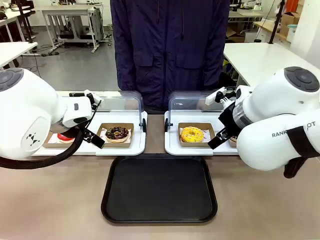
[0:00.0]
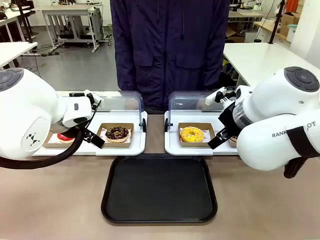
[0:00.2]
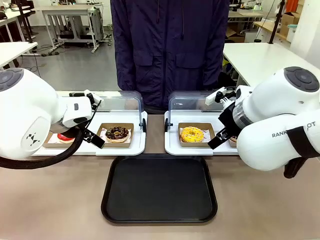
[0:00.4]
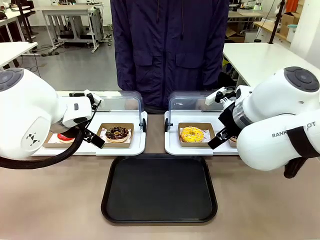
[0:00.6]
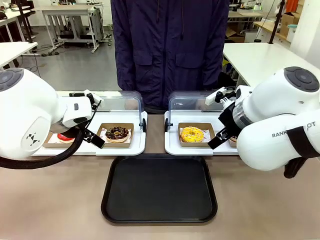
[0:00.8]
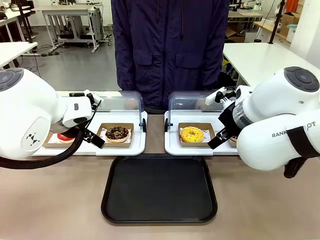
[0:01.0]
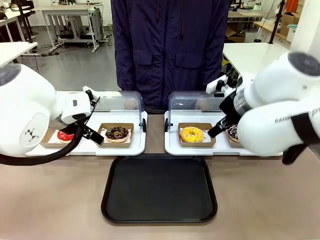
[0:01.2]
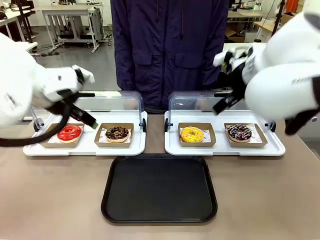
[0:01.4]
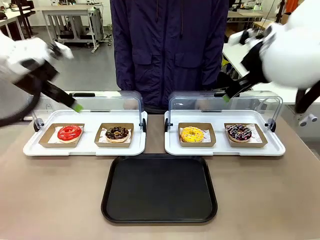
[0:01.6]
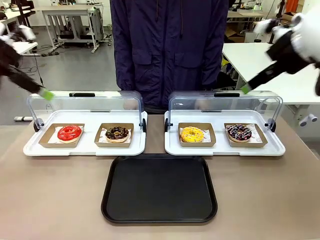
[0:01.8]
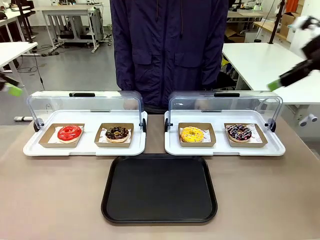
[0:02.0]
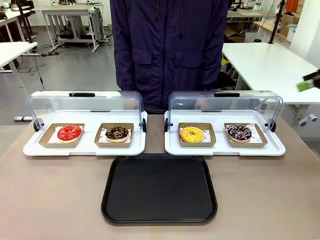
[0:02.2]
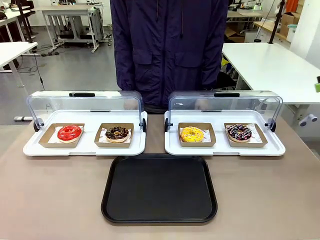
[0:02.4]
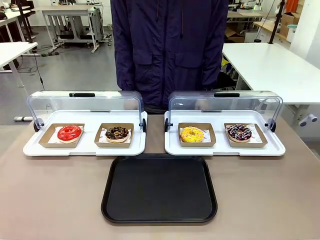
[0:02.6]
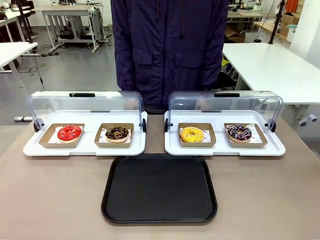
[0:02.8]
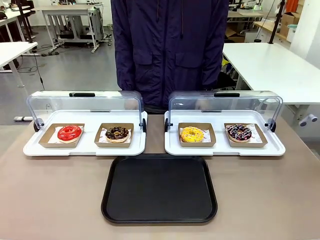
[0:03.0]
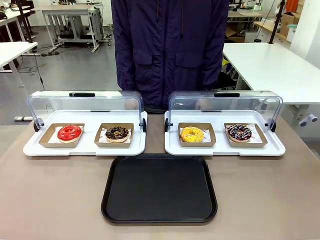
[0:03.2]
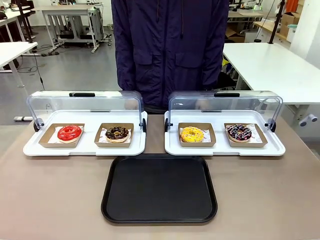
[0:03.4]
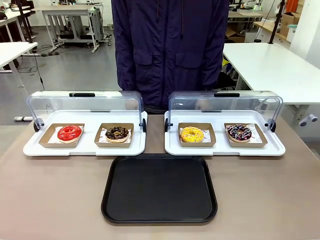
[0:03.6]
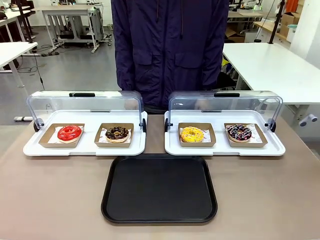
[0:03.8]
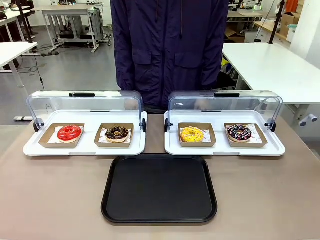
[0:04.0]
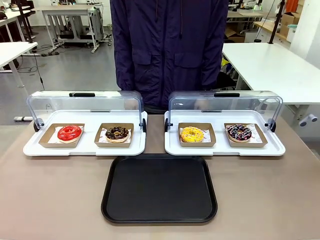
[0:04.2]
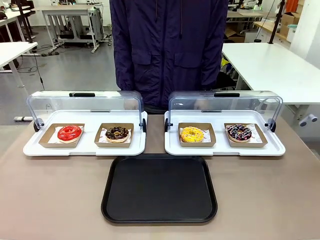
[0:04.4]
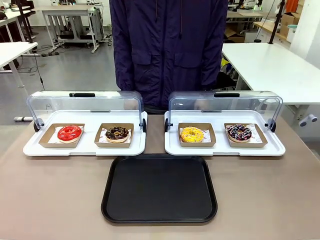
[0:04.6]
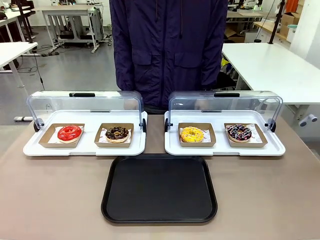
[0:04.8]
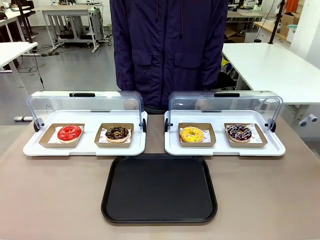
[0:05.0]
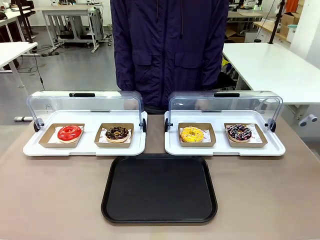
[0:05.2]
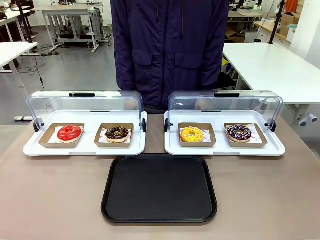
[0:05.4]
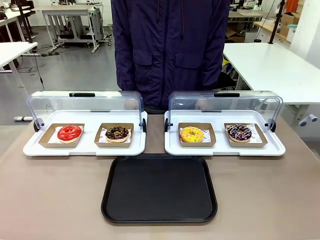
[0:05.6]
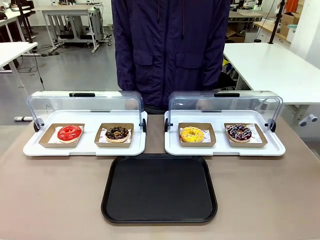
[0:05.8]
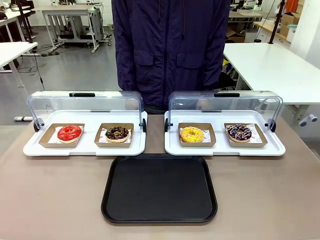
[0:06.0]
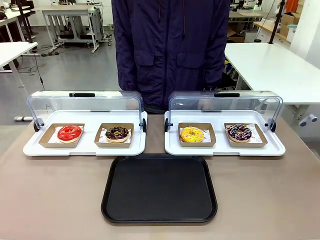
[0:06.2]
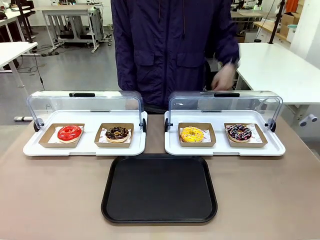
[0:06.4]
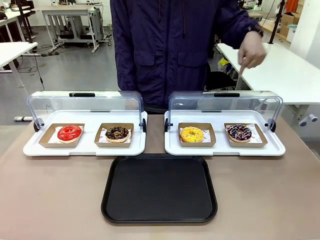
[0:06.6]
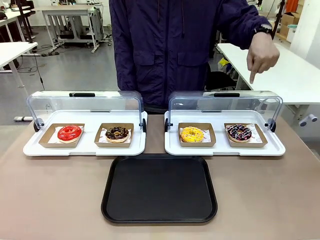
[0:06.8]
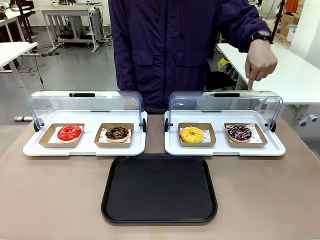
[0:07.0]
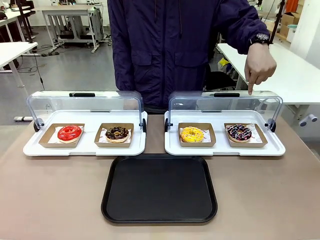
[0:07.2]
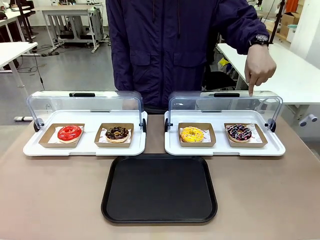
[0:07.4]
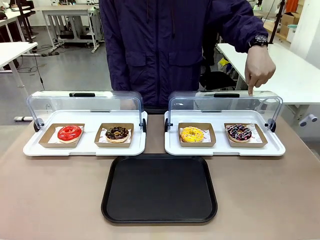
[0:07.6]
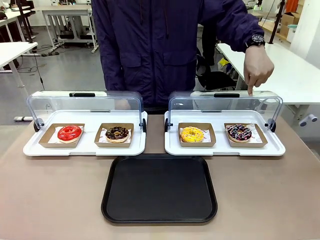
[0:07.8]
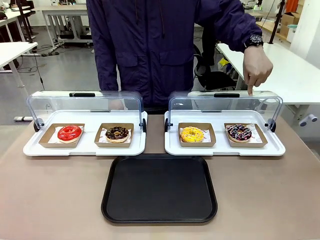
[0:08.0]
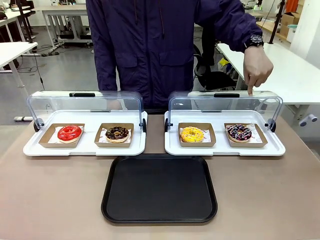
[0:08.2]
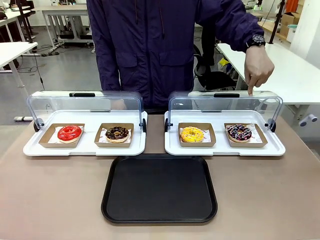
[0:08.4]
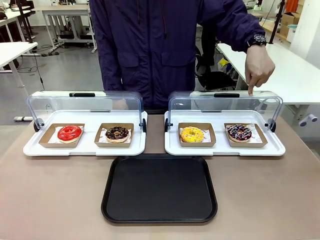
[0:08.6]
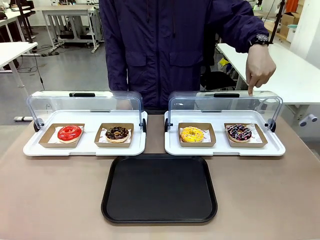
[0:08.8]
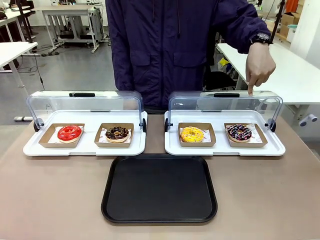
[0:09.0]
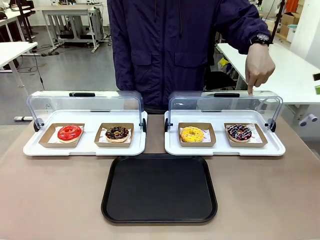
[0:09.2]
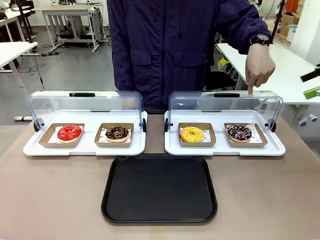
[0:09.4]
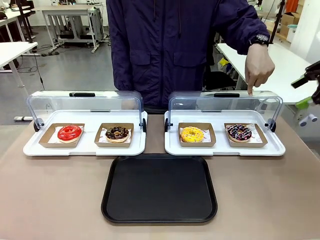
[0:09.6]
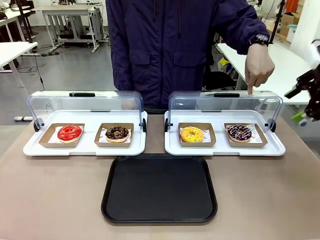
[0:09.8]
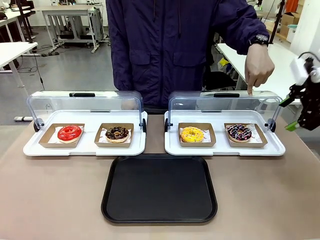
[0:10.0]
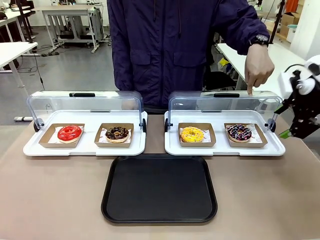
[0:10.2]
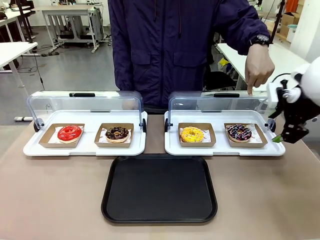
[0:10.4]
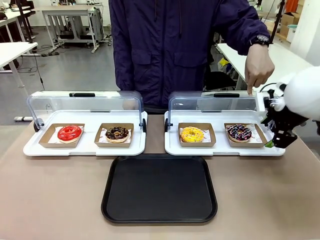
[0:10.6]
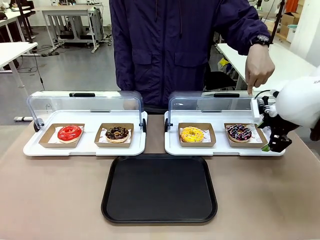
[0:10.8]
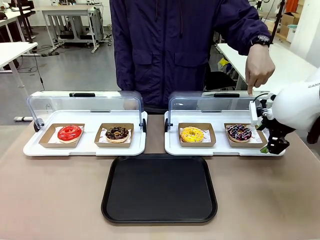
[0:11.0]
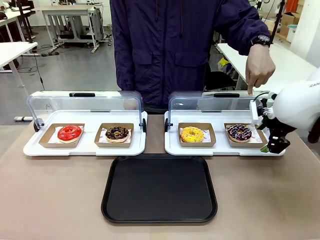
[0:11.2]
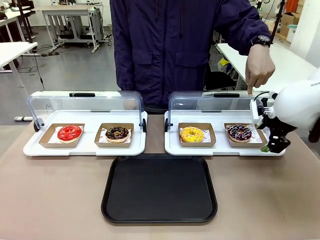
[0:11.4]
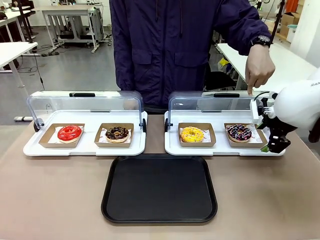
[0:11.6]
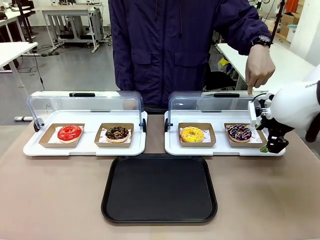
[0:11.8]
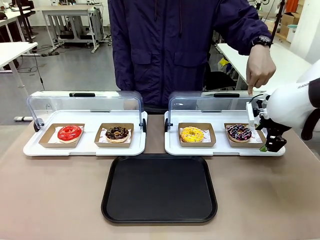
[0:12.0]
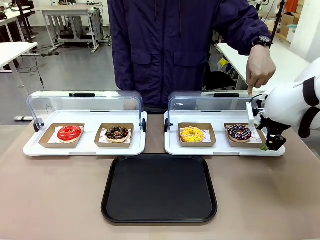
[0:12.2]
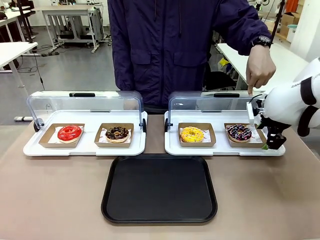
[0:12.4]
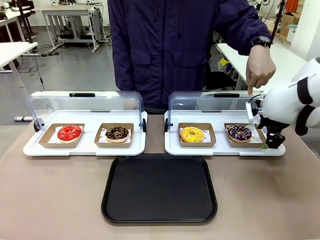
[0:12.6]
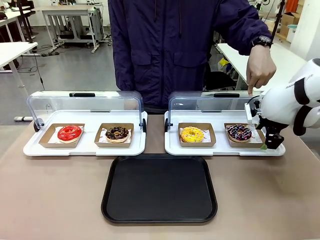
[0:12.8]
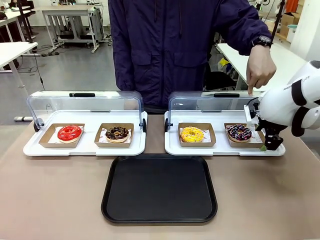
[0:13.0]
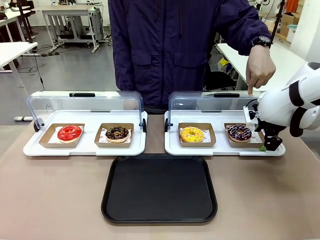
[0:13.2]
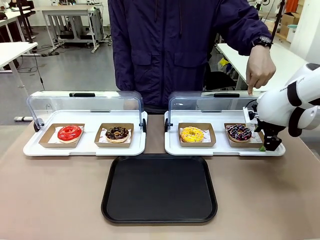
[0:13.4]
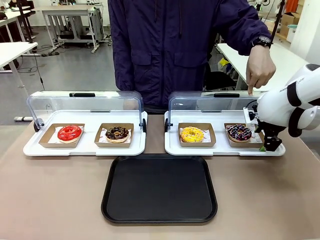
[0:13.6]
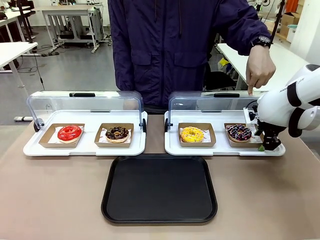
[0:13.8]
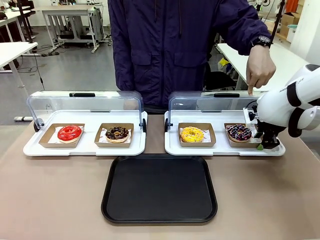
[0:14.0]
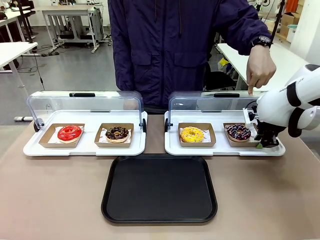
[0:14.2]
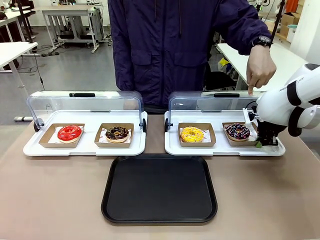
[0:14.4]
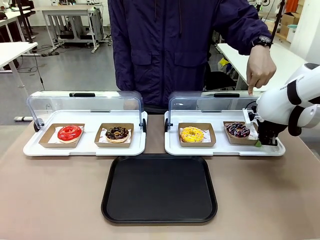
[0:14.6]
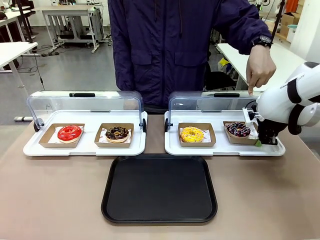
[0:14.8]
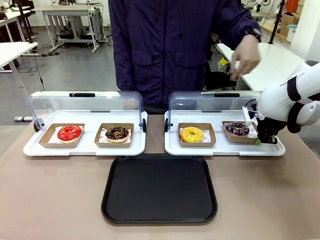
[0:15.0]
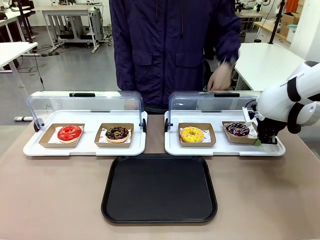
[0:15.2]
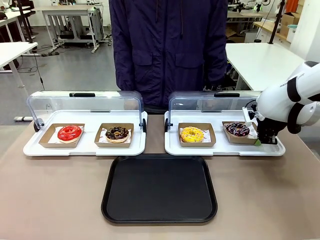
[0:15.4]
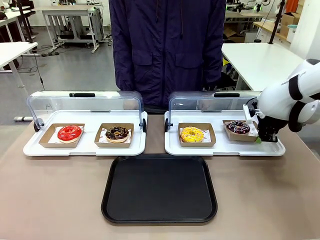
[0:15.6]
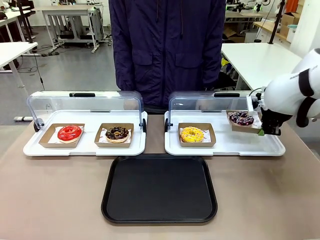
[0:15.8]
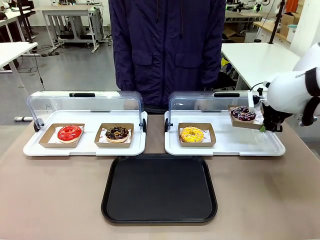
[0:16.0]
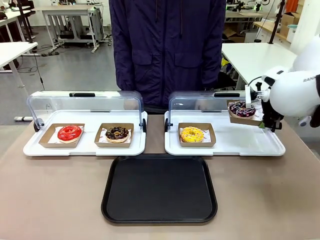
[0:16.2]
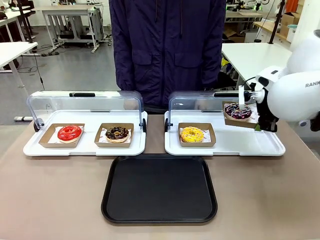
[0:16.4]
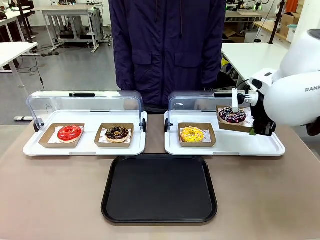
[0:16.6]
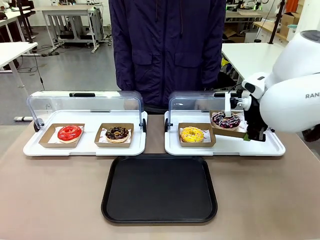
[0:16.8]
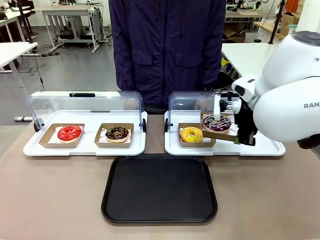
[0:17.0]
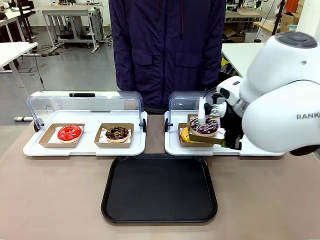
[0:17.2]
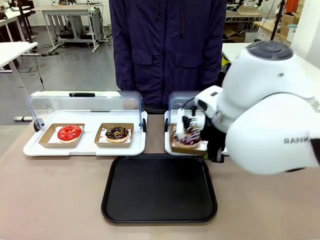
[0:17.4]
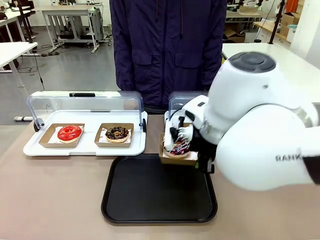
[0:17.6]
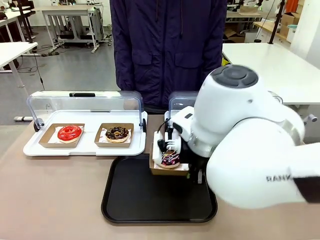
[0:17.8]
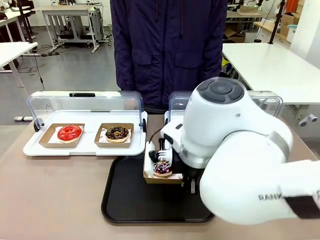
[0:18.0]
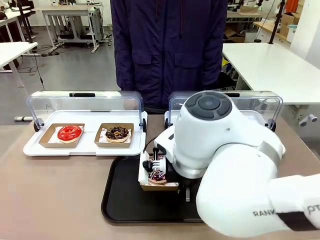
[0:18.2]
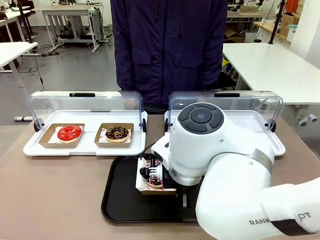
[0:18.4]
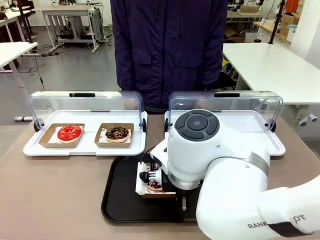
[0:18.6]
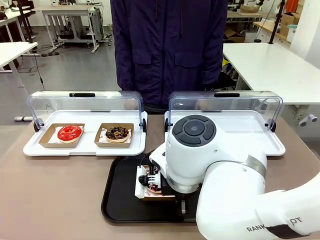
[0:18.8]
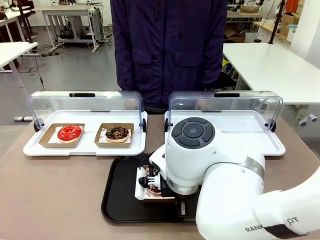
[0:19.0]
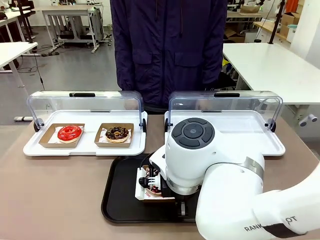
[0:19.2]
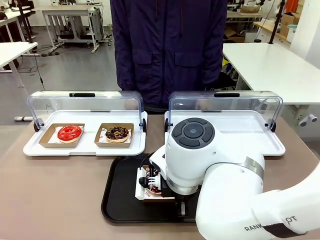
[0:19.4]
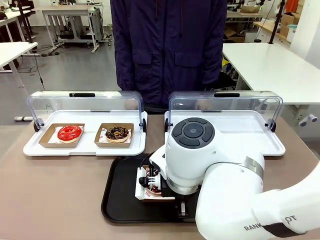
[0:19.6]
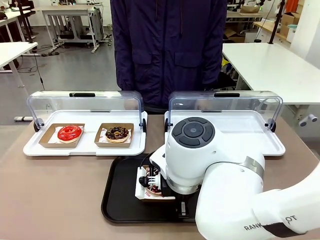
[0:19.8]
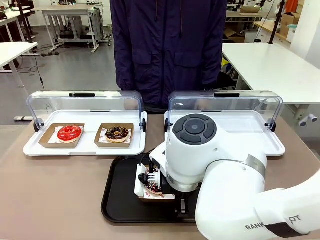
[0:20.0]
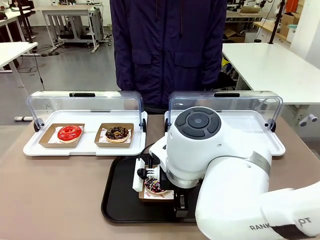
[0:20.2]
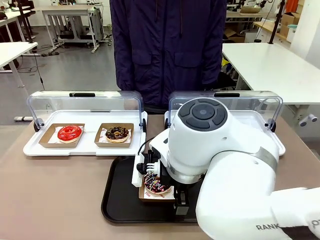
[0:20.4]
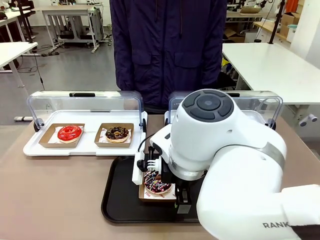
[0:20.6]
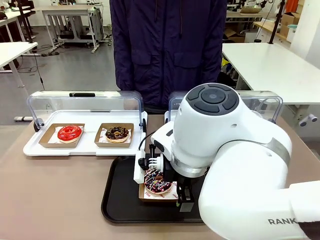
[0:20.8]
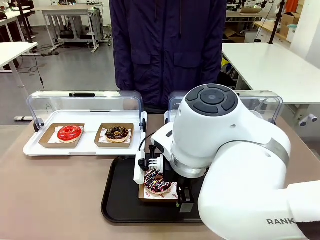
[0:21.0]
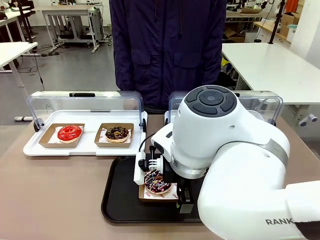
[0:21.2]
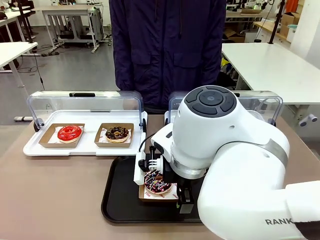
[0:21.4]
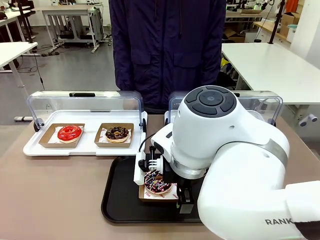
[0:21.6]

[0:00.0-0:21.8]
Task: Move the fourth donut from the left to the tray.
Robot: Pick up the Paper togo box containing the Donut indicated by the person and place it on the Handle tray.
Person: Points to the fourth donut from the left from the robot’s perspective.
